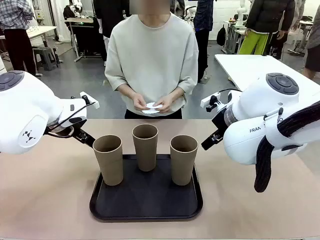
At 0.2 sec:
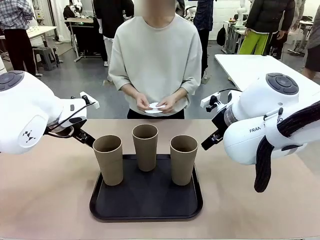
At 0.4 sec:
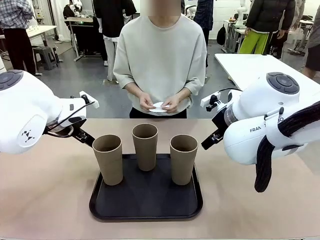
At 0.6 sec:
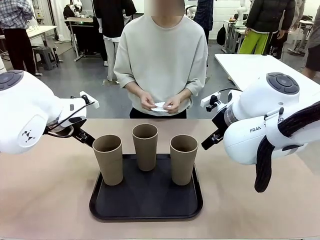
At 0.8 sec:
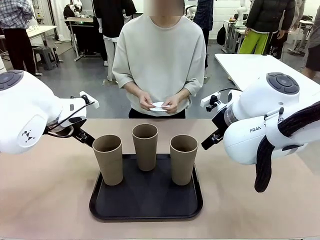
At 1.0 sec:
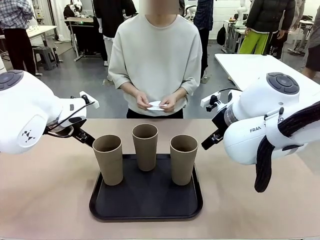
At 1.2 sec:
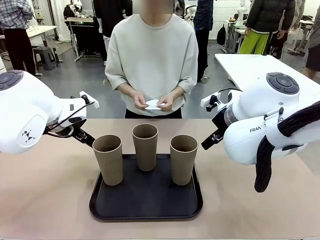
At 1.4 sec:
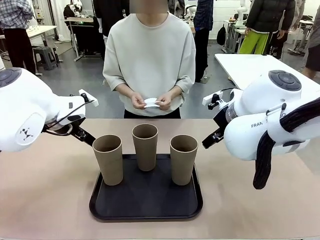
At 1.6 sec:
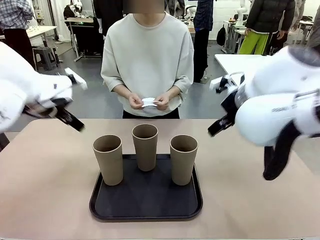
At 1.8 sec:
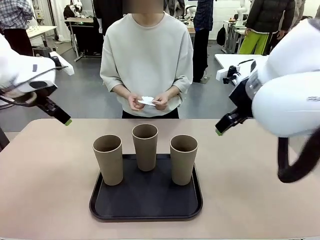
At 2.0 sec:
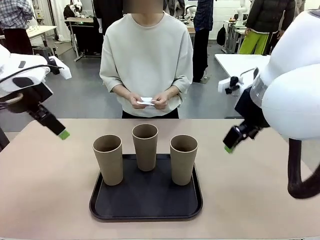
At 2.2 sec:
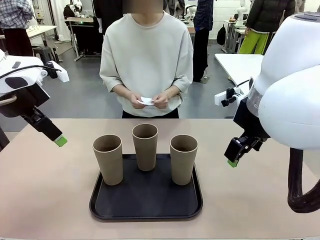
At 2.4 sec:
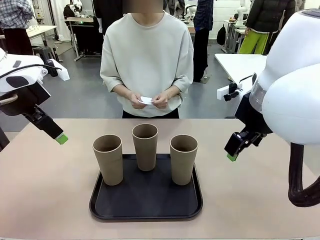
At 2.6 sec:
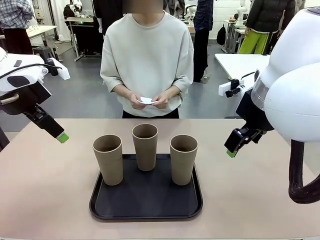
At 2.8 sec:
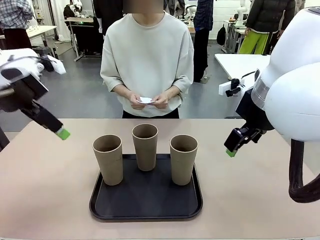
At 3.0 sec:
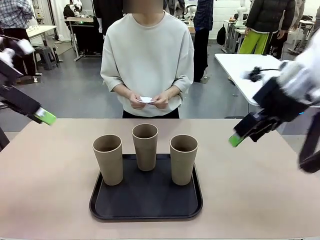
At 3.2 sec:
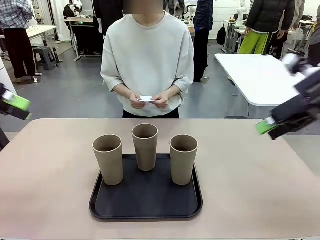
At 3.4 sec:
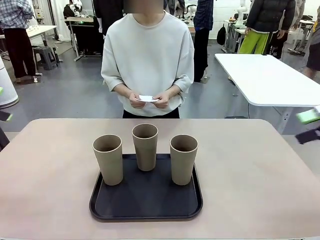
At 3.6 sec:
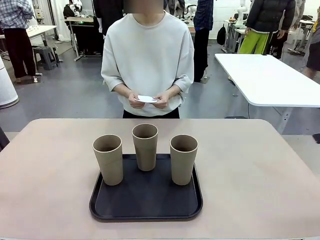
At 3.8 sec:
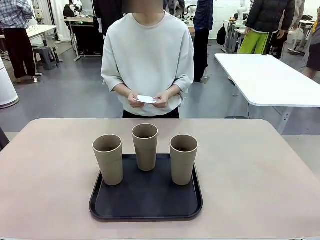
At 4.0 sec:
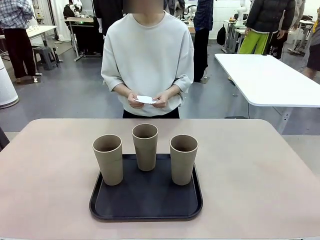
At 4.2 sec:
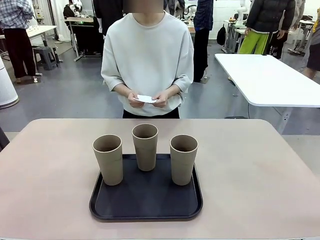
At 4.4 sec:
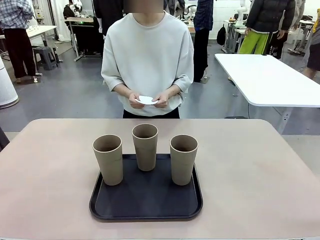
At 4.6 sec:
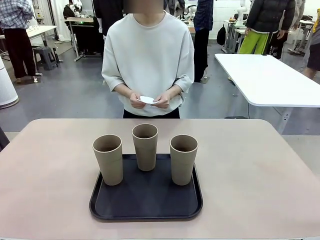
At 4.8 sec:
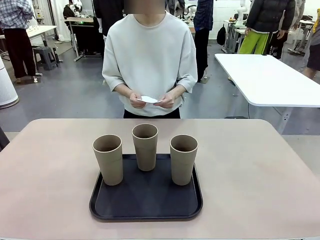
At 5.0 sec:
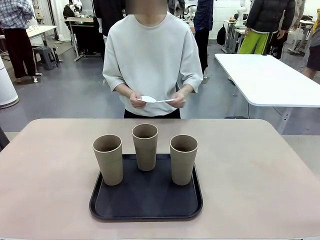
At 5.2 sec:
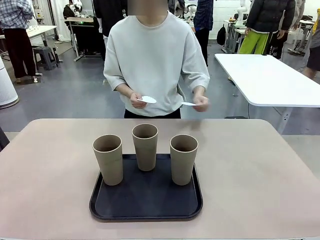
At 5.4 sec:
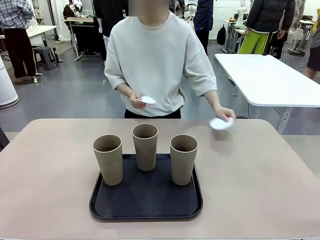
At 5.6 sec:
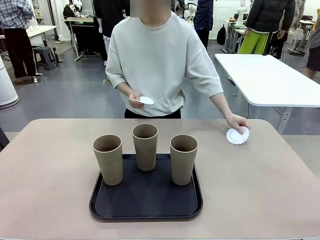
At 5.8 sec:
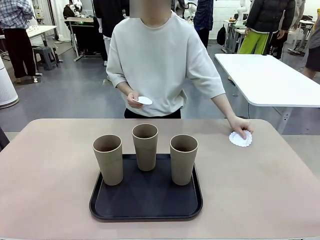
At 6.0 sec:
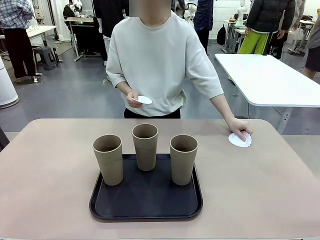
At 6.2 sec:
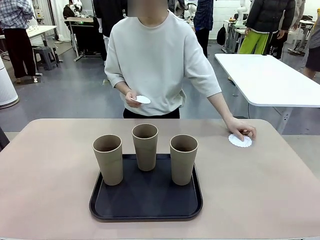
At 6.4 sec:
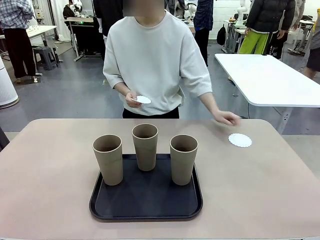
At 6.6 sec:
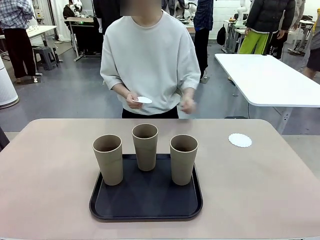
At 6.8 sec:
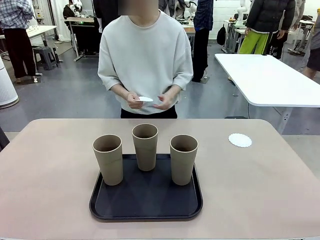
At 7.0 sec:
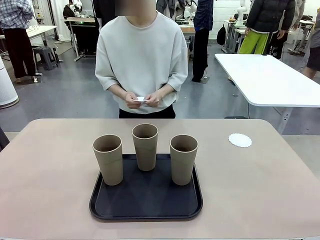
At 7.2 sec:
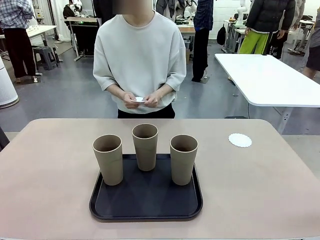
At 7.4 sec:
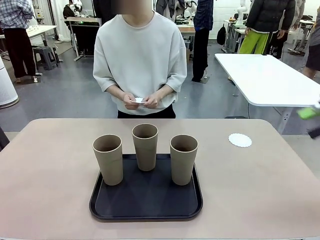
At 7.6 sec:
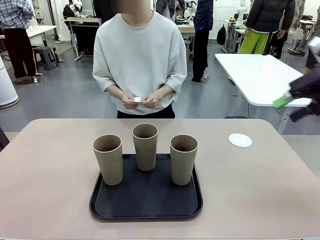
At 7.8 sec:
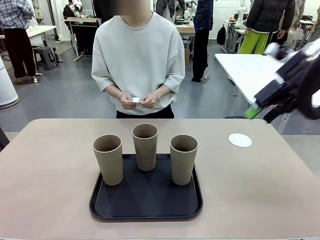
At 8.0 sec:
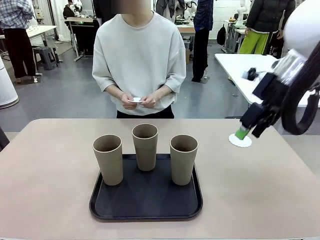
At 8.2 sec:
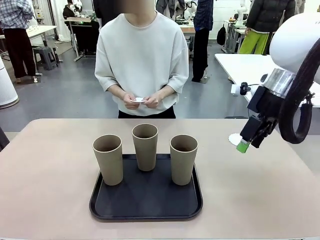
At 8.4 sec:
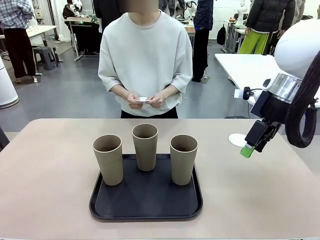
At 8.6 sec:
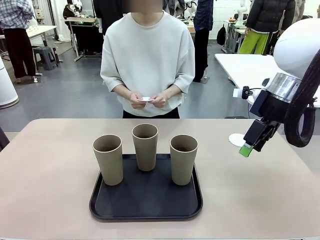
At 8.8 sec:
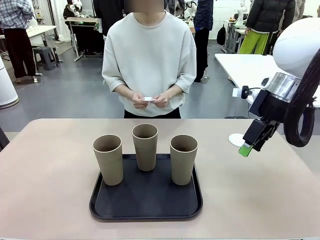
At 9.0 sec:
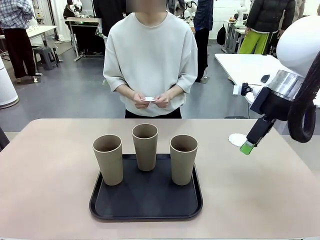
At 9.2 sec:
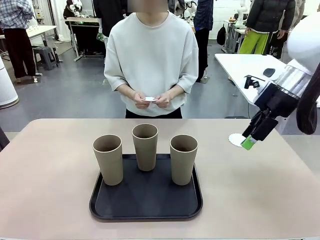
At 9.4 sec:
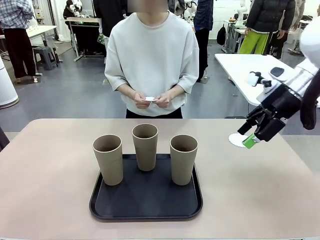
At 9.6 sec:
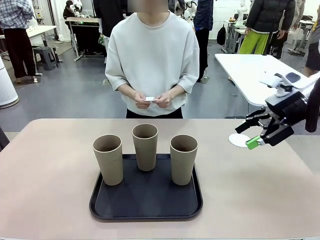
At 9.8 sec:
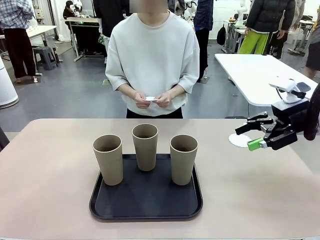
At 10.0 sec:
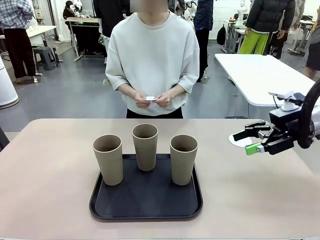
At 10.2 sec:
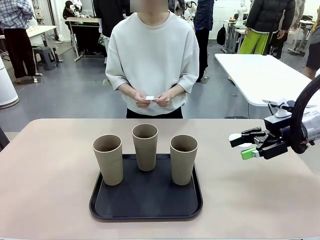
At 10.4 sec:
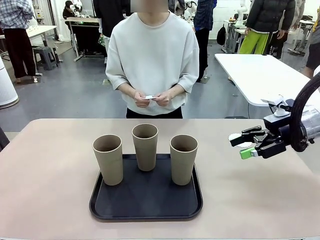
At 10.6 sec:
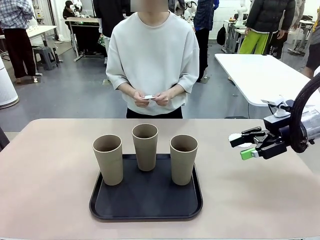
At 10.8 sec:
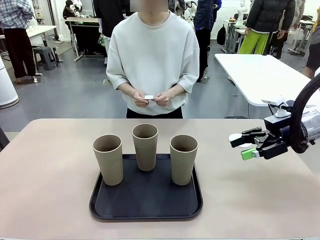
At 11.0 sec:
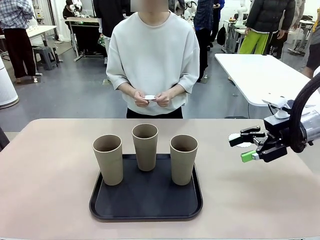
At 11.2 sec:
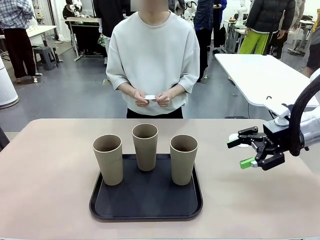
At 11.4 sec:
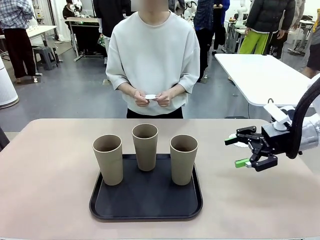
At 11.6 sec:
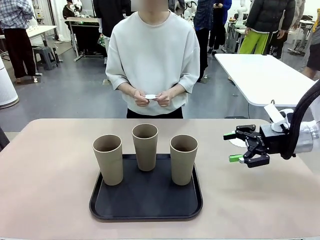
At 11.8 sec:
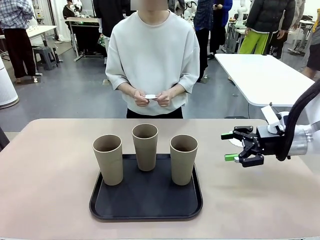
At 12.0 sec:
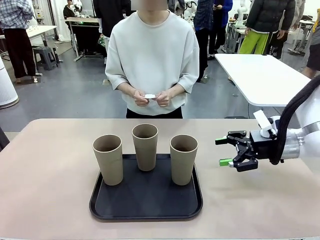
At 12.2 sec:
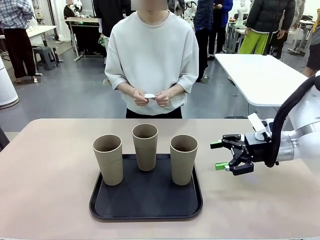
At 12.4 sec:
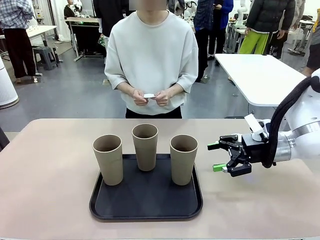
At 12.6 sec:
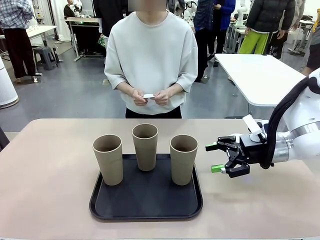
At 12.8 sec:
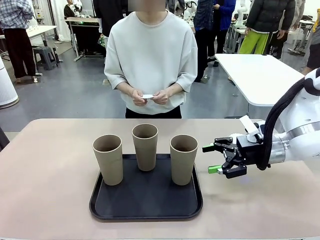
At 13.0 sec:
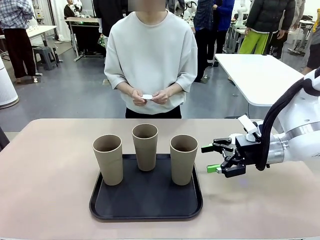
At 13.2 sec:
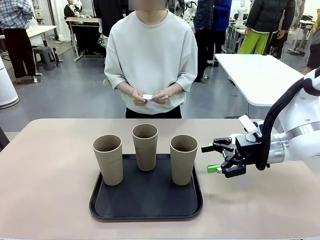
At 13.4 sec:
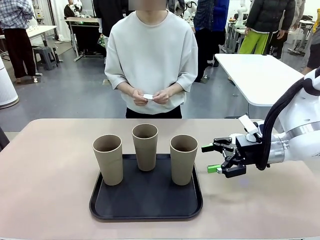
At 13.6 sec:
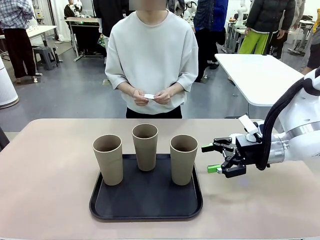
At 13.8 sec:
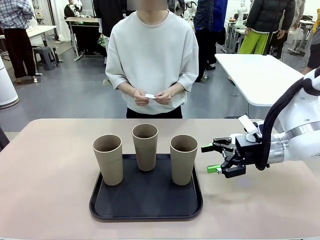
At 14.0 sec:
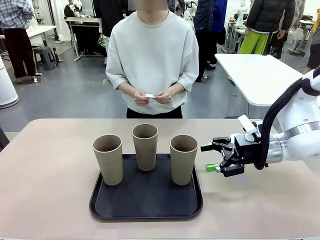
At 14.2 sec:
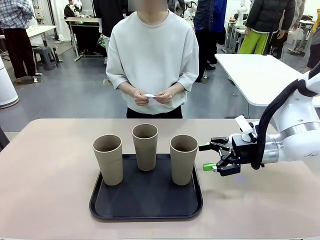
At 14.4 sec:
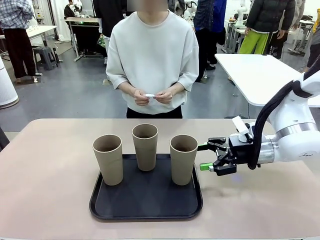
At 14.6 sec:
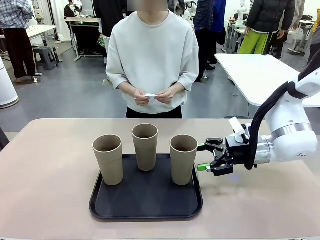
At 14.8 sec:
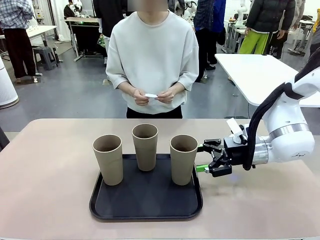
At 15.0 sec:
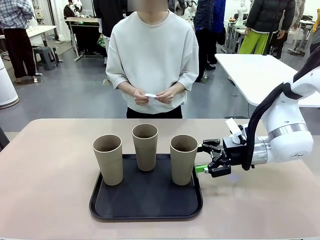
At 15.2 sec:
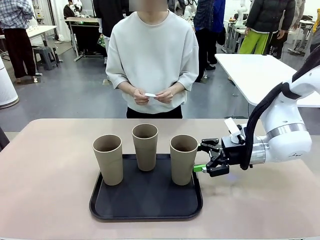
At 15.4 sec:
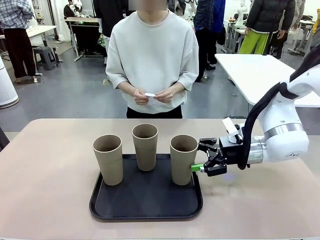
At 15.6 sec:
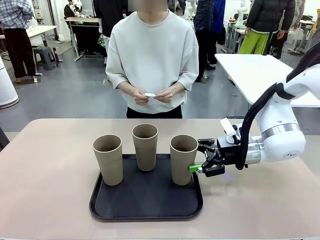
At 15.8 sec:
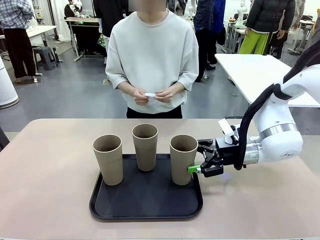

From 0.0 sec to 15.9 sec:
Task: Place coasters on the table and set cups on them.
Robot: Pick up one Reusable plastic cup and place it on a coaster set by the human.
Person: Place one coaster in any one of the three lower areas of the robot table (left, center, or right).
